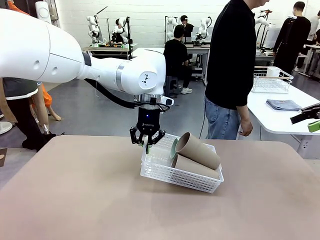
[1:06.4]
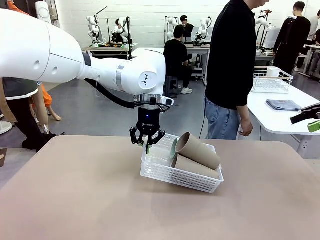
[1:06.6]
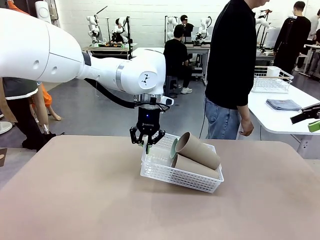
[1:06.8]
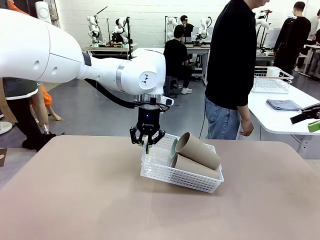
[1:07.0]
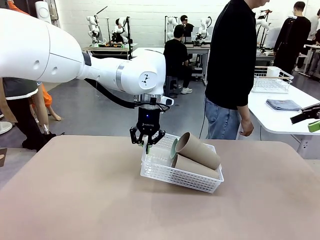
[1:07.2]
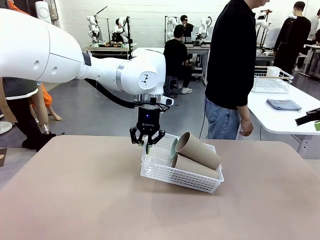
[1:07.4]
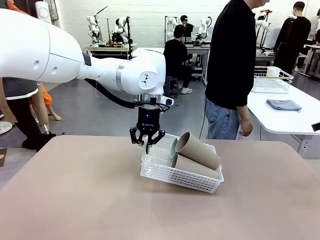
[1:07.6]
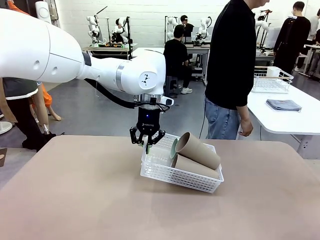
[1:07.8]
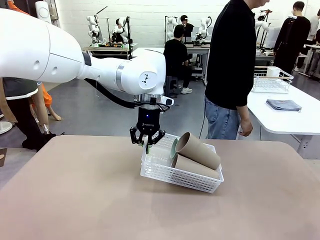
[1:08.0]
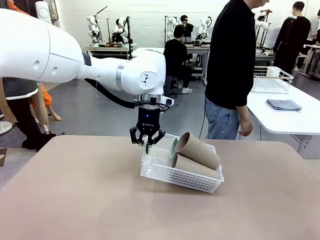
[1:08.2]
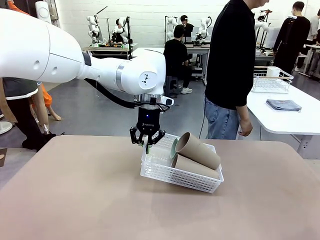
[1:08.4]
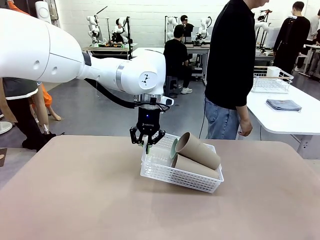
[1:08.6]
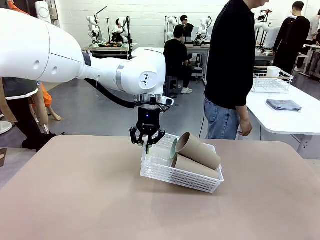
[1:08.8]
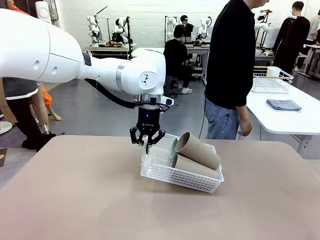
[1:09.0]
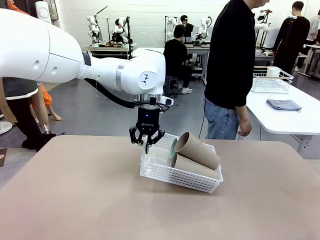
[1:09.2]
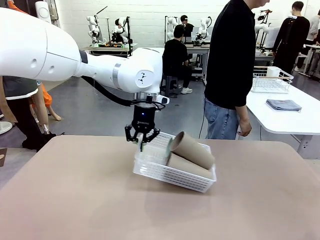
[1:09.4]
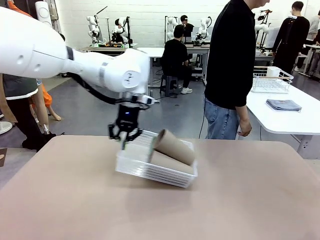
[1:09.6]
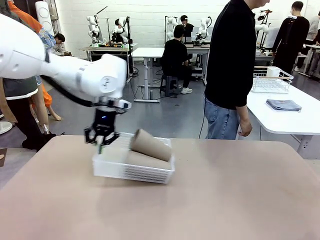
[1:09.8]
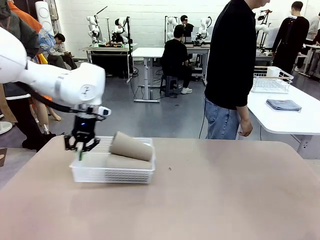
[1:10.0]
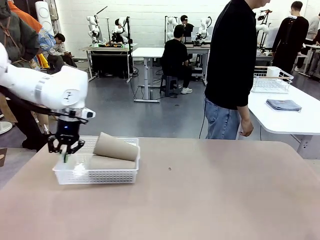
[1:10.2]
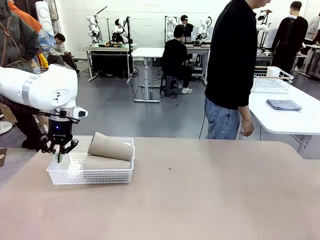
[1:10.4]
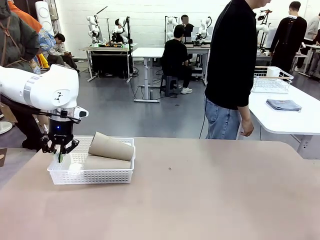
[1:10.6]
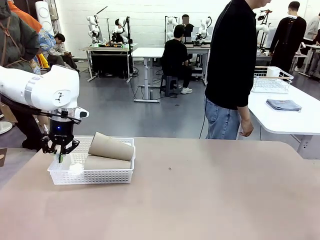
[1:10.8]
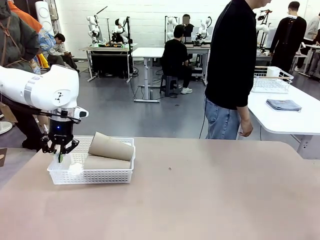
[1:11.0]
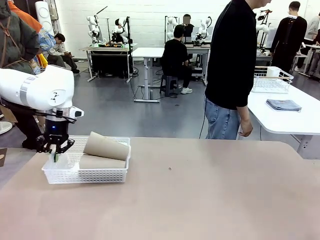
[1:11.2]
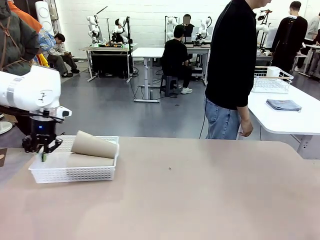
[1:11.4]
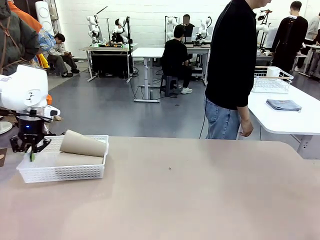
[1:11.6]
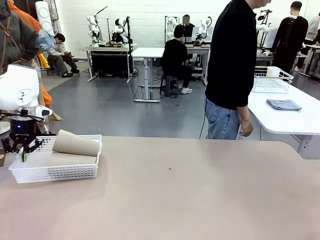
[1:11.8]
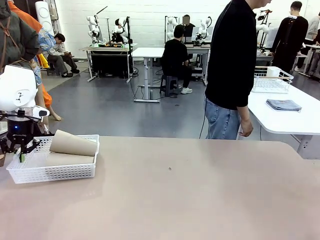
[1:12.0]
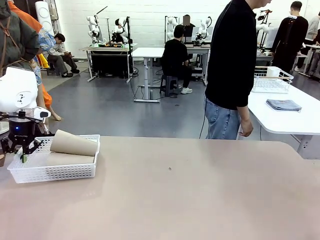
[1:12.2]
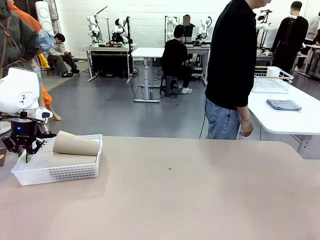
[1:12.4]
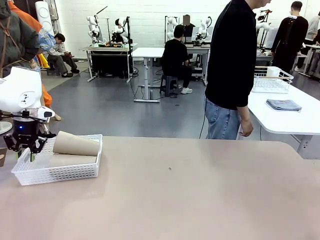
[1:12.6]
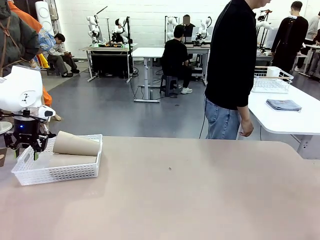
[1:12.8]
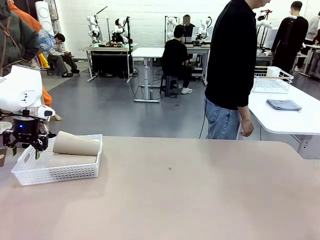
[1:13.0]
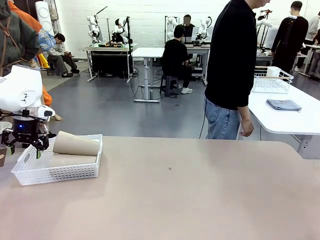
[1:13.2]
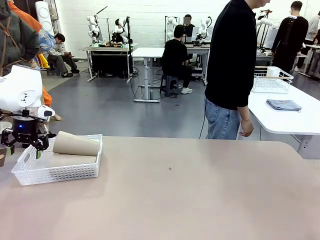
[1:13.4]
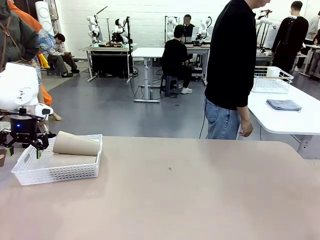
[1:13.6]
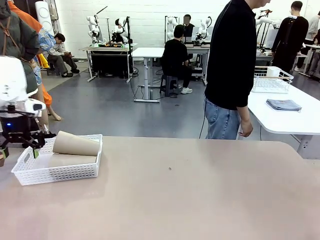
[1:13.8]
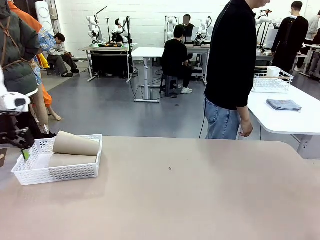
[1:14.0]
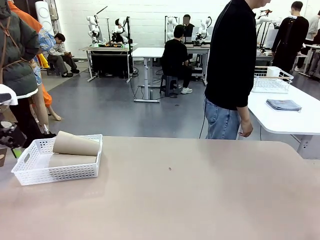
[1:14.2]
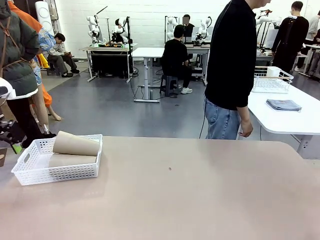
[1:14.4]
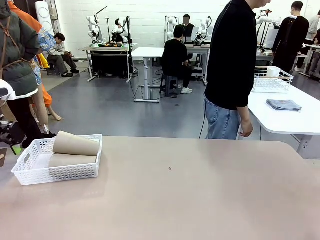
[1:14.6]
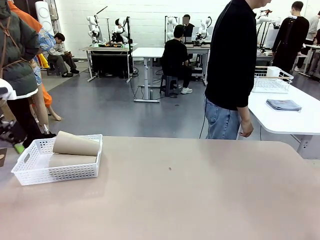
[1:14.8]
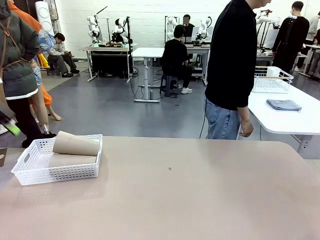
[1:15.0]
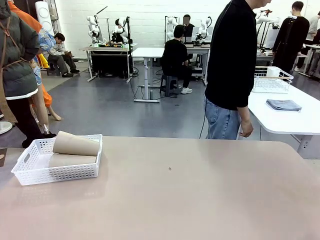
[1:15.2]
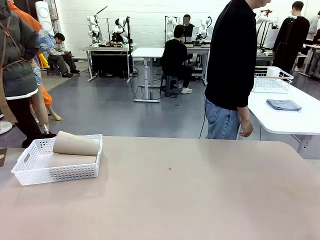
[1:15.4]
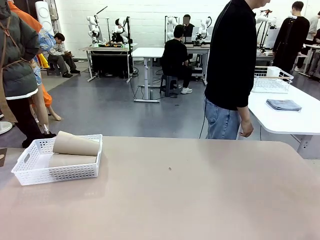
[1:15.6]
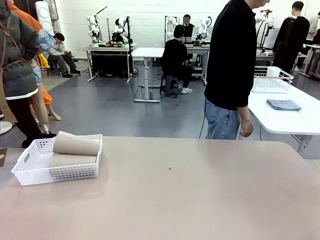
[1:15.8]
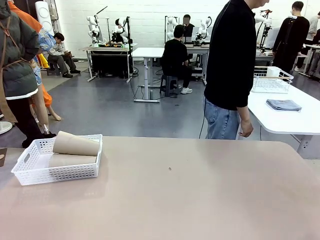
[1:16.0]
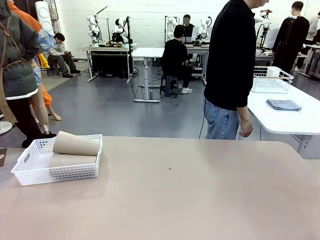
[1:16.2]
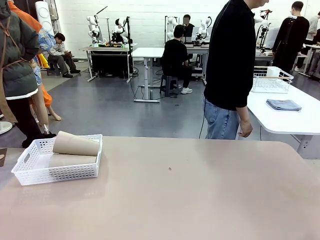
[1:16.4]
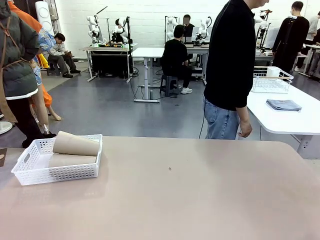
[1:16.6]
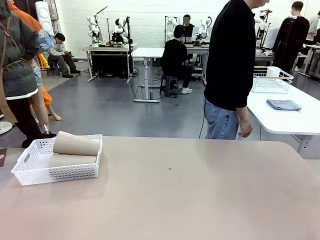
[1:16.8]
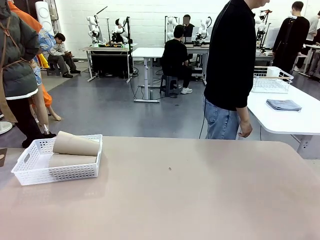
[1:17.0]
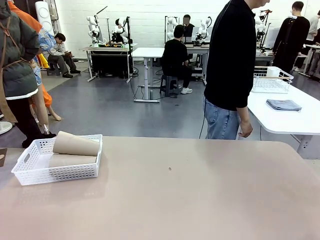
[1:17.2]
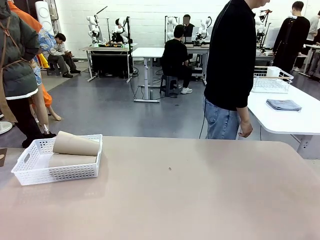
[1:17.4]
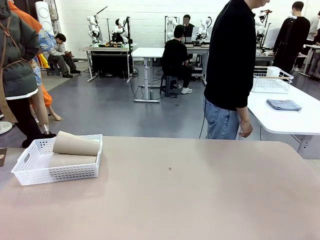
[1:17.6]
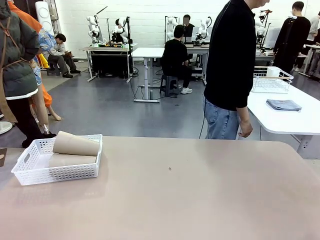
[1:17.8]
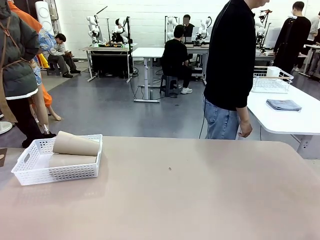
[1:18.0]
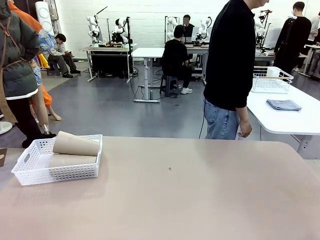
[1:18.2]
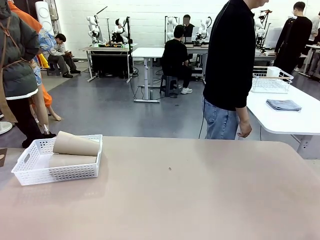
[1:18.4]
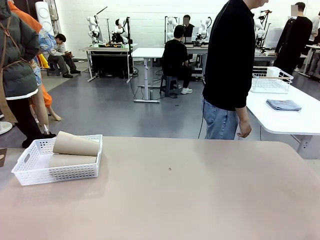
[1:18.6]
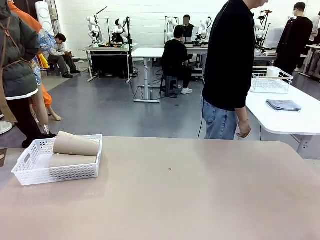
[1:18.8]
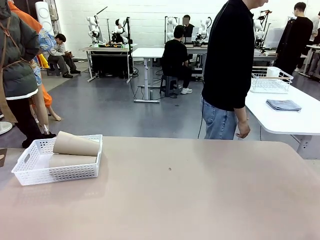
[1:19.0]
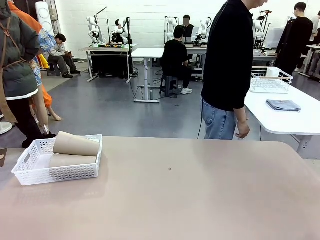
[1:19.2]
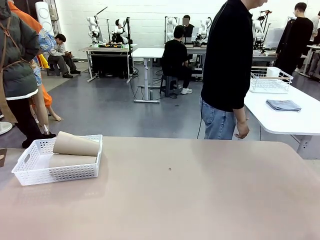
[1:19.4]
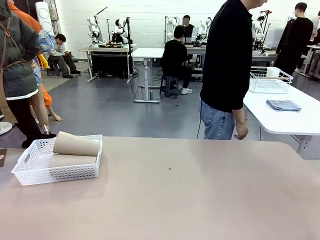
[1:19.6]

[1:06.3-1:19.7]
Task: Clean and organize the cups into the basket.
Robot: Move the Organizing basket back to the left side of the table.

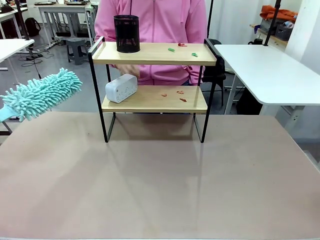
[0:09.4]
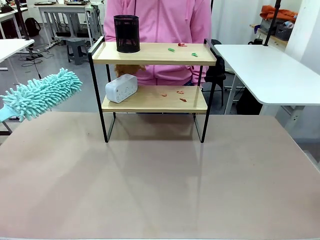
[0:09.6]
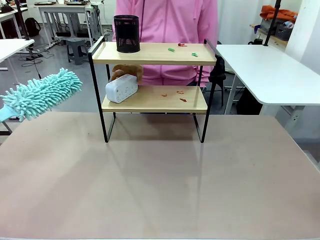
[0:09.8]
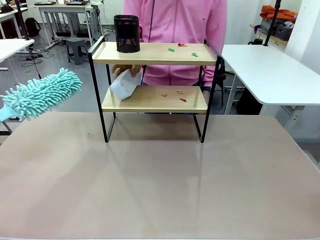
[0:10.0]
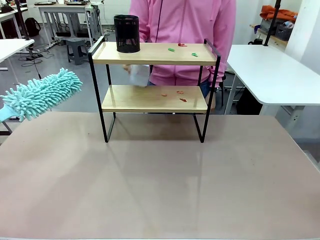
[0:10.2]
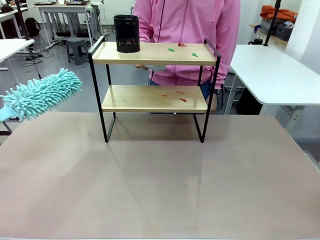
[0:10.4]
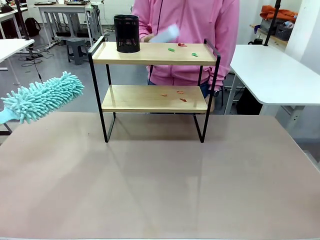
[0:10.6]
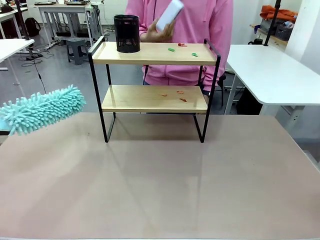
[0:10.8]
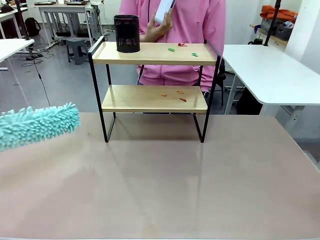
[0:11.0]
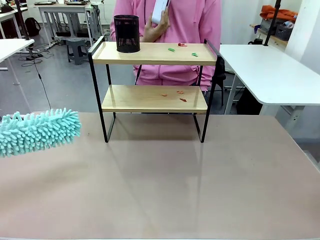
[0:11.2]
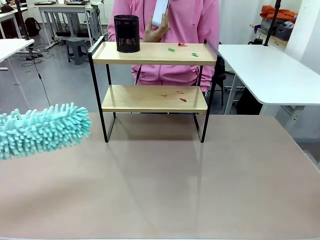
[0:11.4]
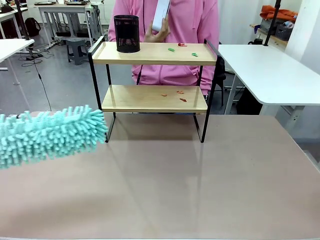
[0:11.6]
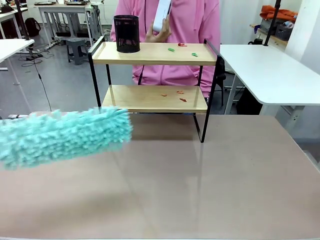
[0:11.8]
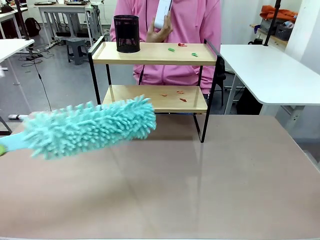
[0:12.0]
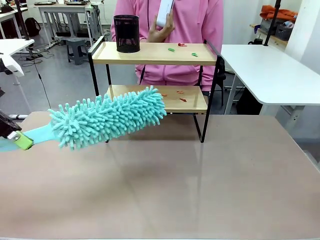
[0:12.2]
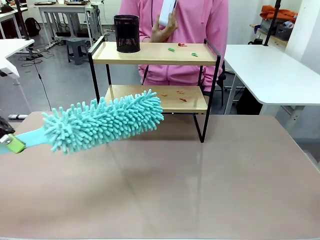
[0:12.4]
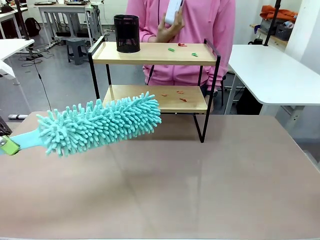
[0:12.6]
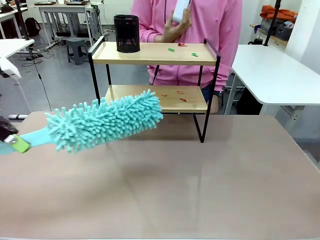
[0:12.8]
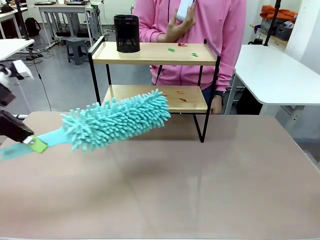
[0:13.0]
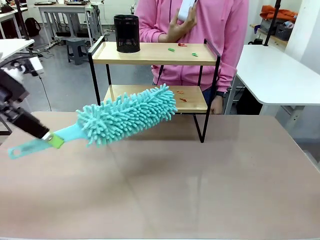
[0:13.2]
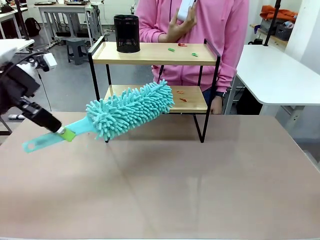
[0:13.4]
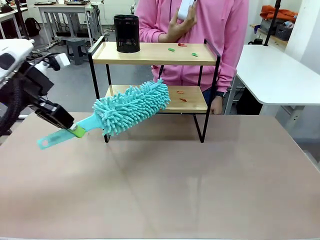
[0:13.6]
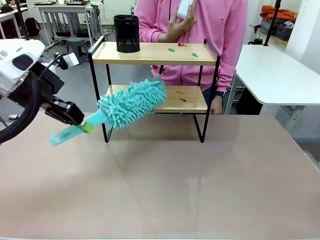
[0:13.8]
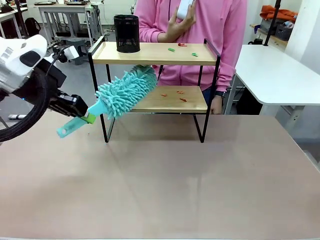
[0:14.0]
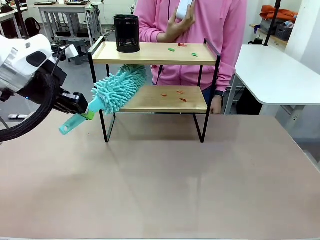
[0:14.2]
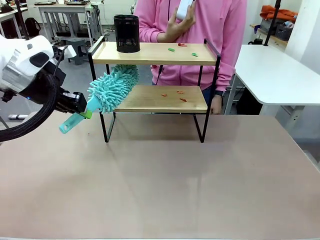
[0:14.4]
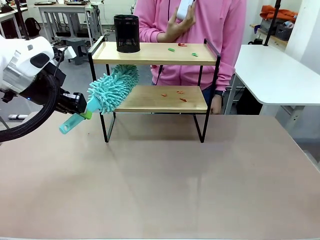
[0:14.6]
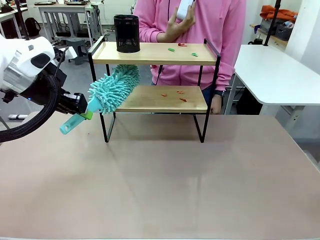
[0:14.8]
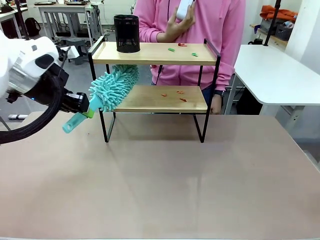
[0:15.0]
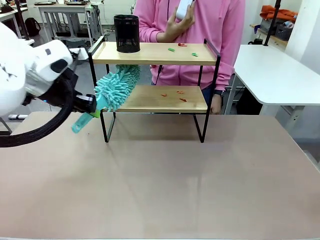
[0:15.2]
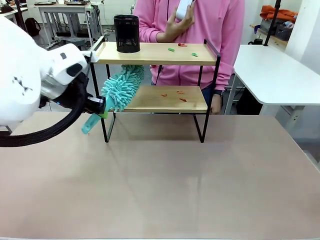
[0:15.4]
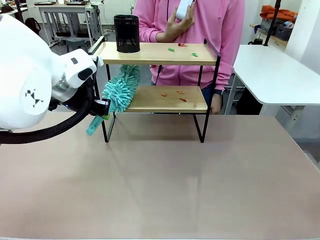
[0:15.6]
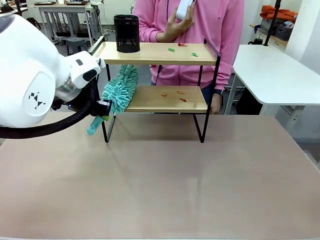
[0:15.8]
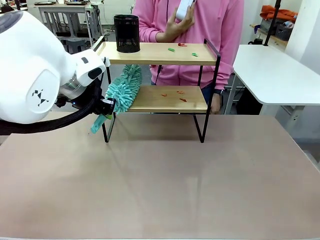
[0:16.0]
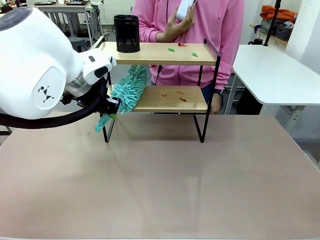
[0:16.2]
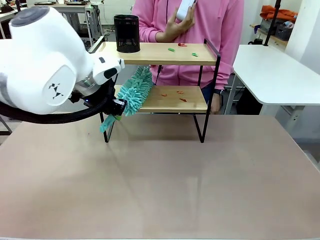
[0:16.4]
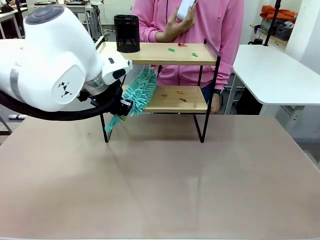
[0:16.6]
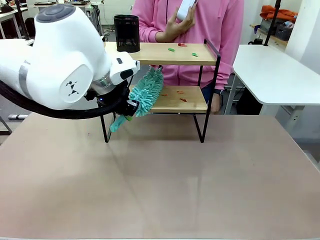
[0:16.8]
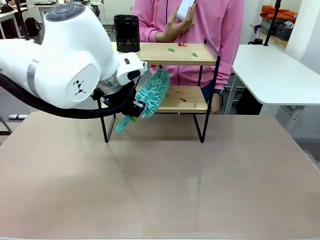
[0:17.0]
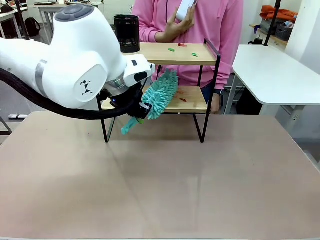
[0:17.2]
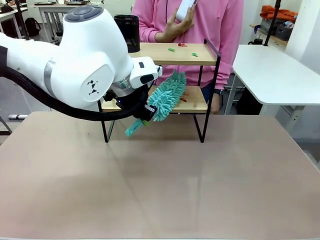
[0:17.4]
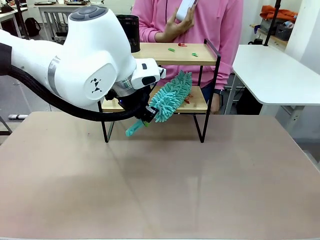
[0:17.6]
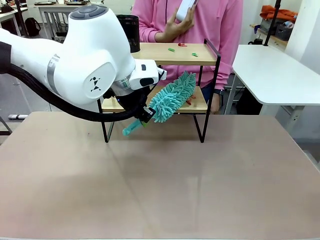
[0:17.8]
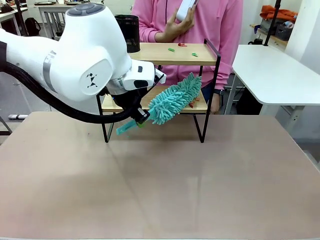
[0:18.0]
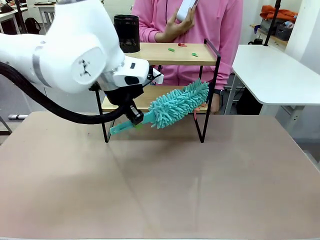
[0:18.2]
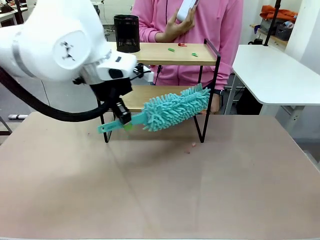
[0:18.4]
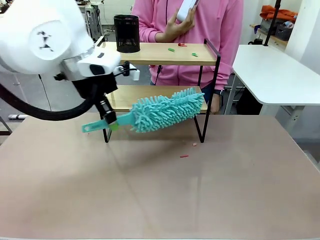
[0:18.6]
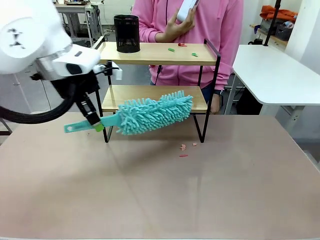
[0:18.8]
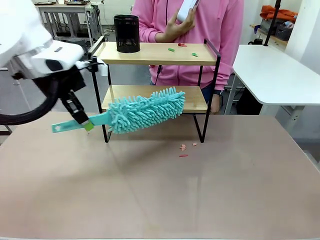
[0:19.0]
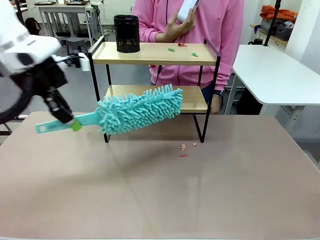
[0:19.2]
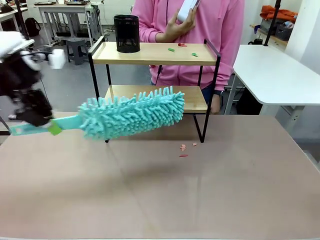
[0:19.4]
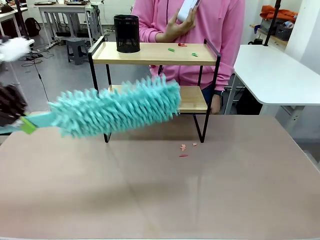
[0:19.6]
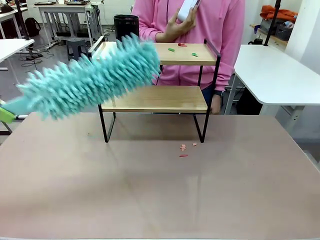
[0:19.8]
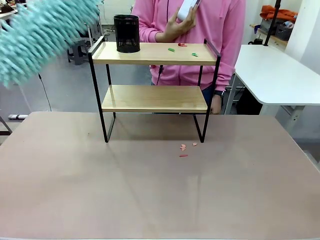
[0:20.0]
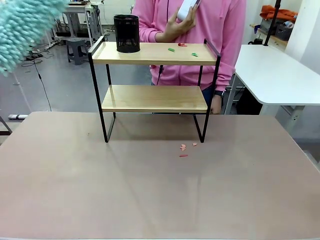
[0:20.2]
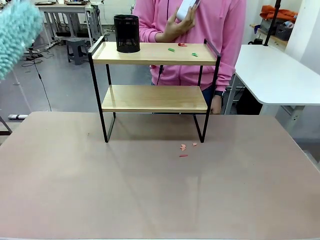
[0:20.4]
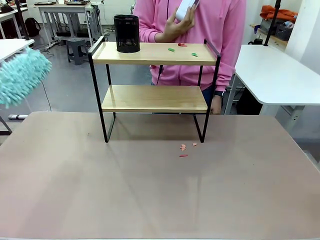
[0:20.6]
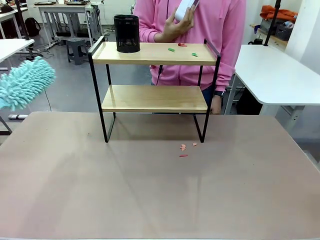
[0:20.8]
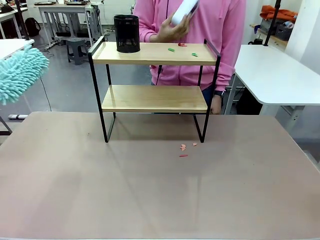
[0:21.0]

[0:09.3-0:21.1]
Task: Clean the shelf.
Robot: Clean the specific tier of the Shelf with the Duster once objects are removed.
Person: Lift the objects on a randomly selected tier of the Shelf. Once the robot finishes cleaning, lift the objects on the remaining tiers of the Shelf.
